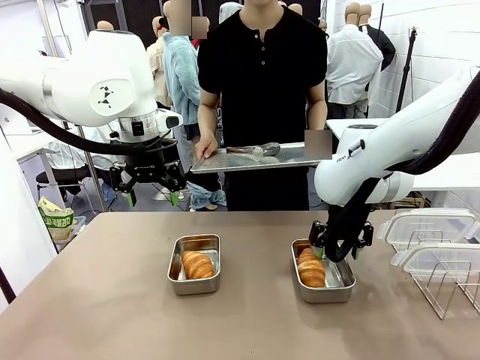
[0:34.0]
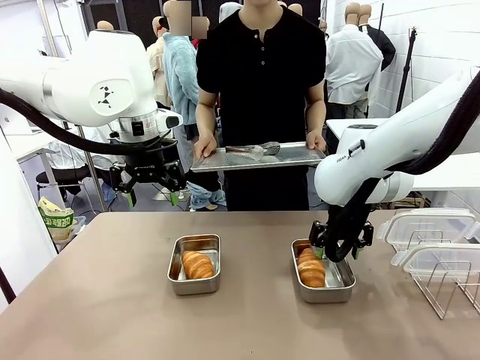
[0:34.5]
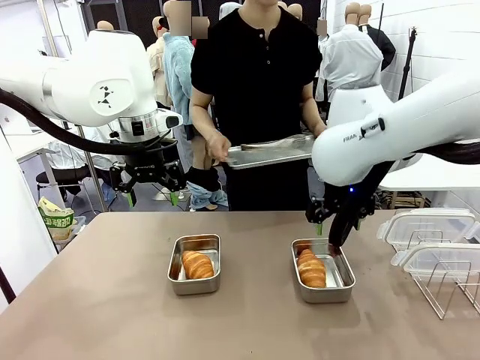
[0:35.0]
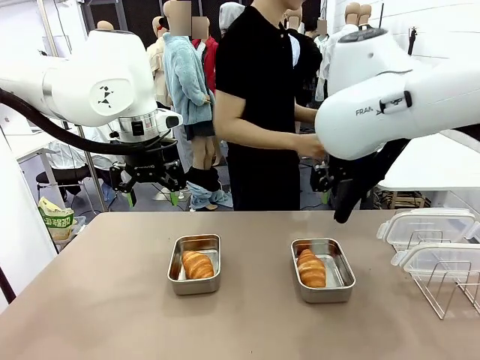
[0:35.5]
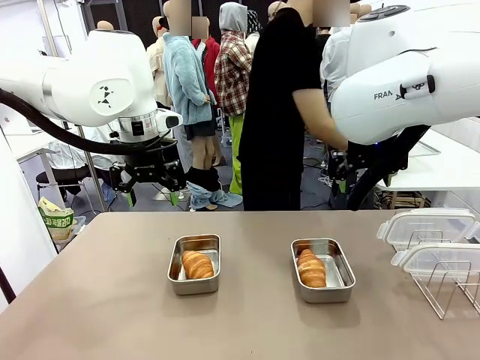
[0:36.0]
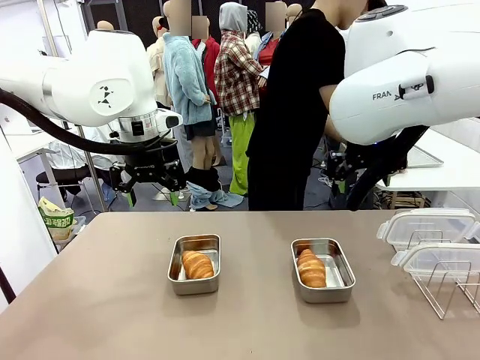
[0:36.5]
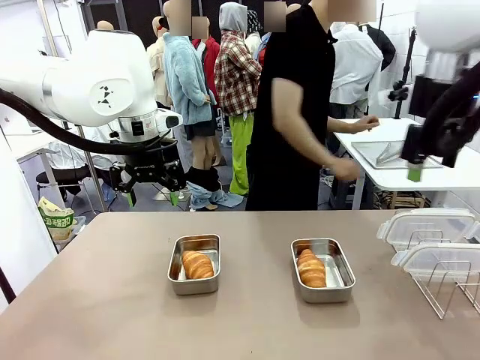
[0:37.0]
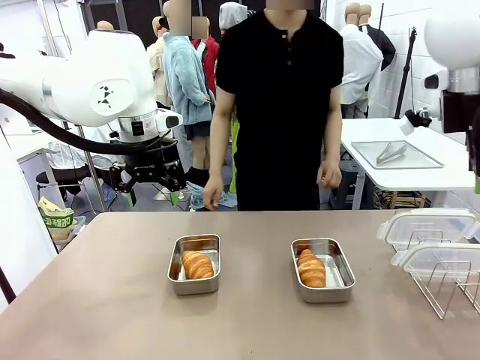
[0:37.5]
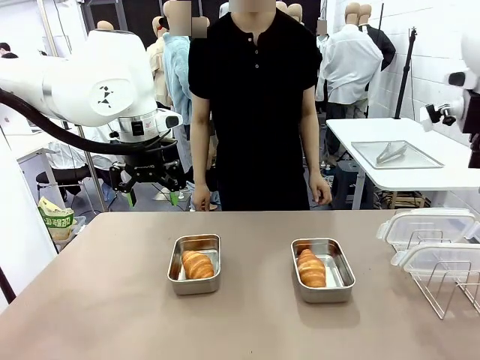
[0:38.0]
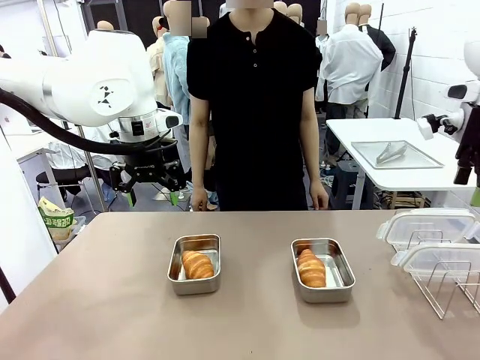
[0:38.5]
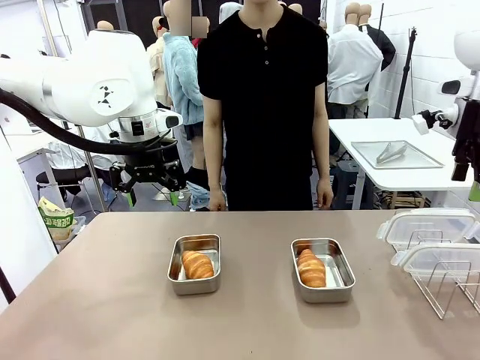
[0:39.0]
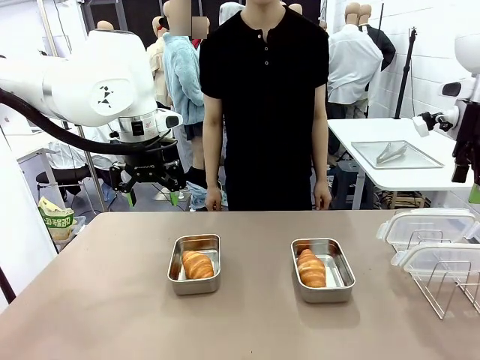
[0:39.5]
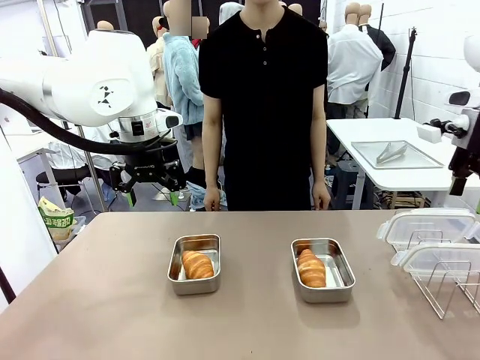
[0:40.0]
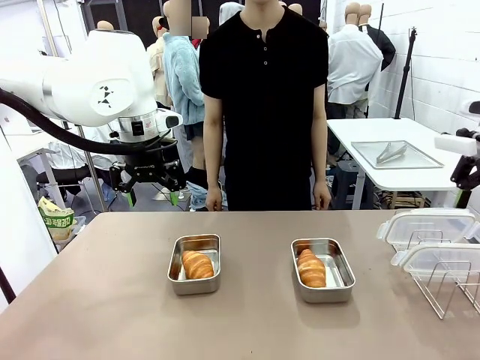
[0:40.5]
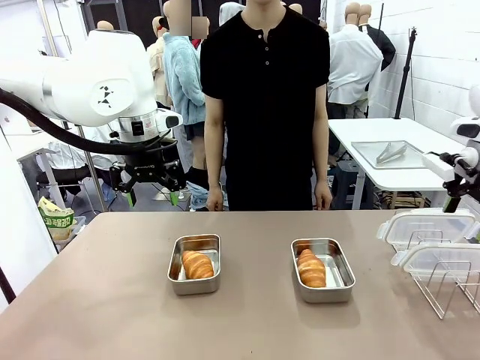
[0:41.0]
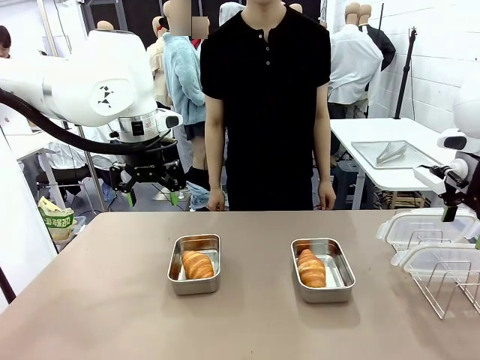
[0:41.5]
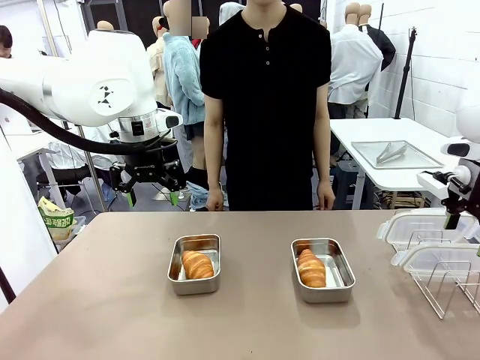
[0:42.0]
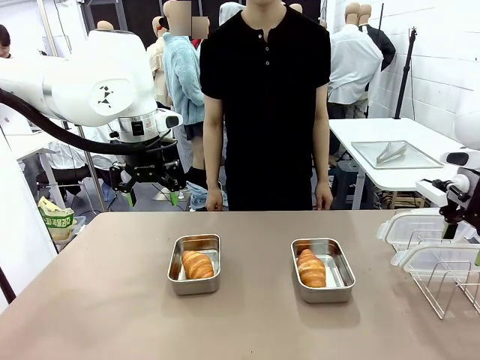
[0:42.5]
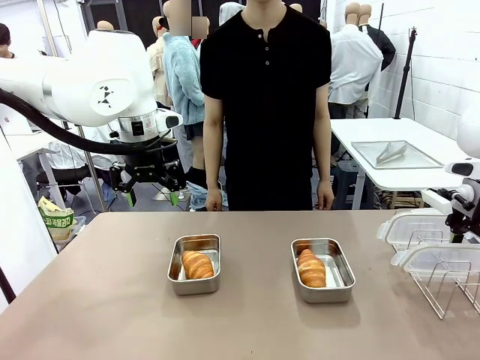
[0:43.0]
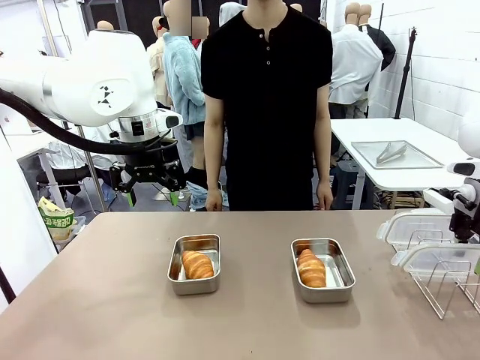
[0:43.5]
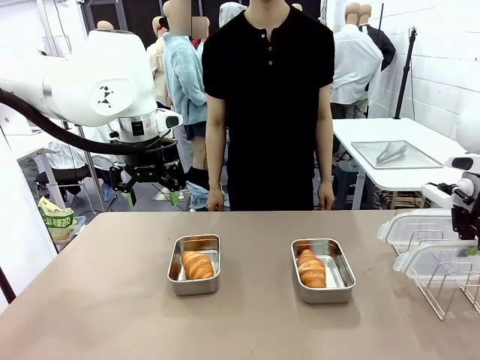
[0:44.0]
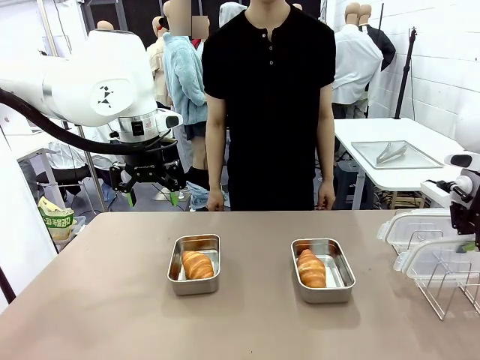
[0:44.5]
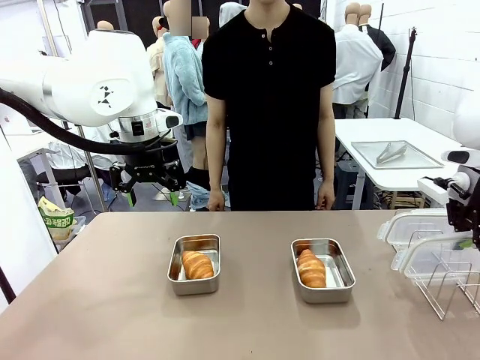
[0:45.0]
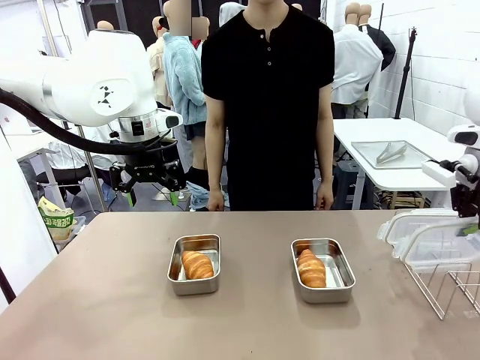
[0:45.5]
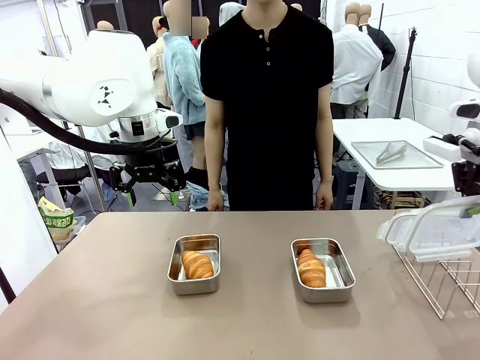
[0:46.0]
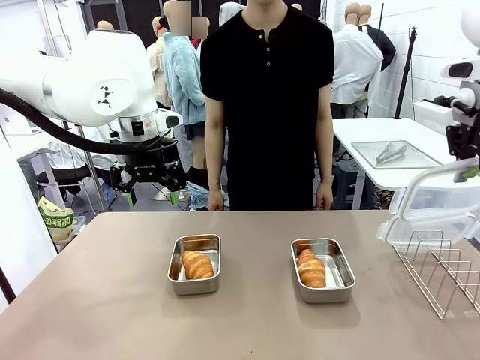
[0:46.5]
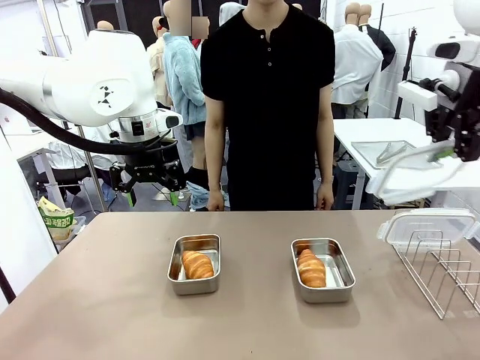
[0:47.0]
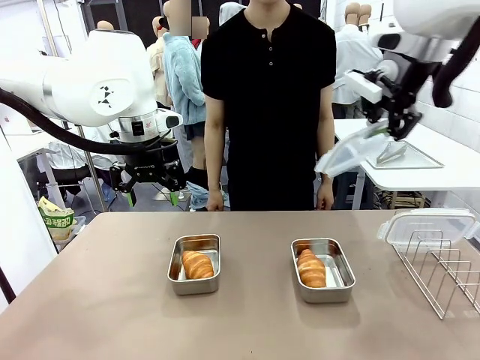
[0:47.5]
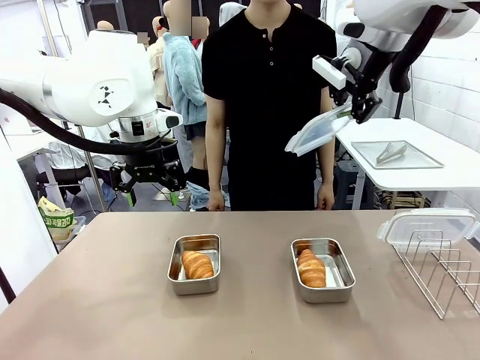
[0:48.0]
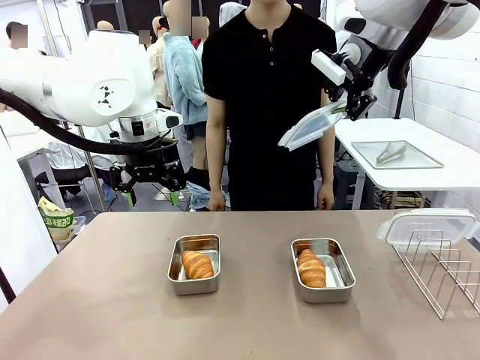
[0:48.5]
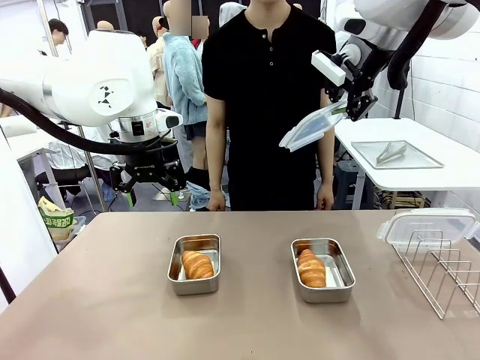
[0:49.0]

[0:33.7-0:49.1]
Task: Place the bread in airtight containers.
Robot: Pick up one Airtight Container lid and hand it to the human.
Person: Grip Airtight Container lid that robot is handing.

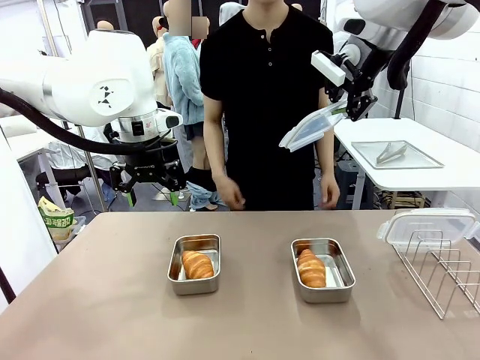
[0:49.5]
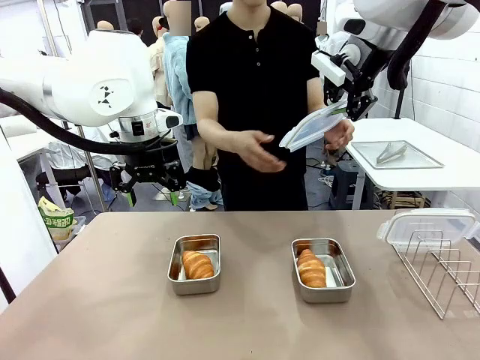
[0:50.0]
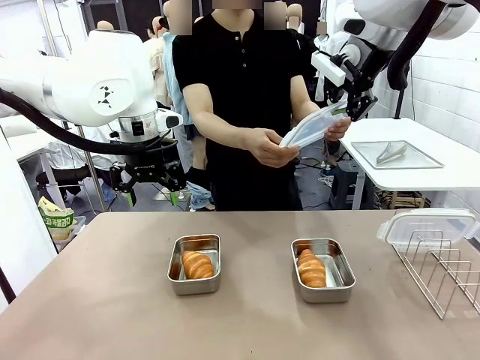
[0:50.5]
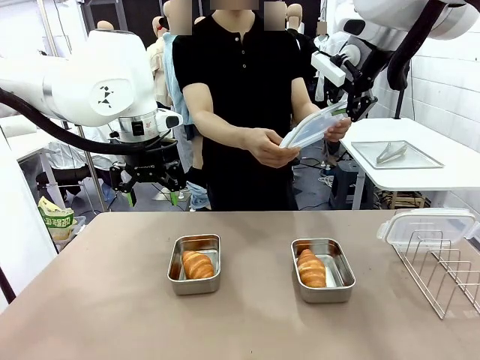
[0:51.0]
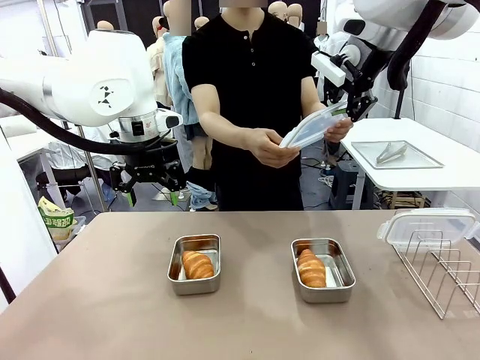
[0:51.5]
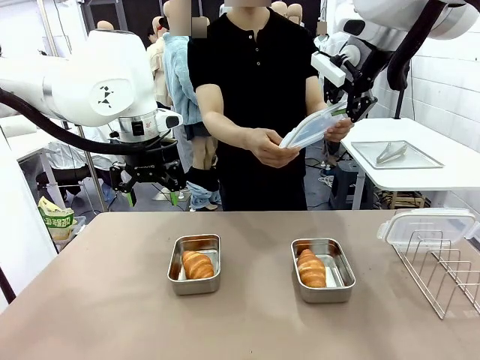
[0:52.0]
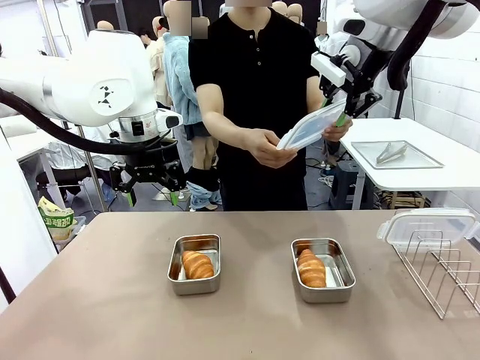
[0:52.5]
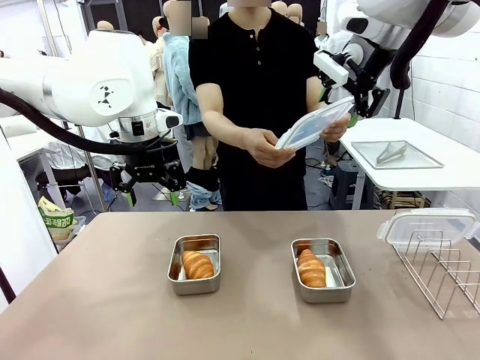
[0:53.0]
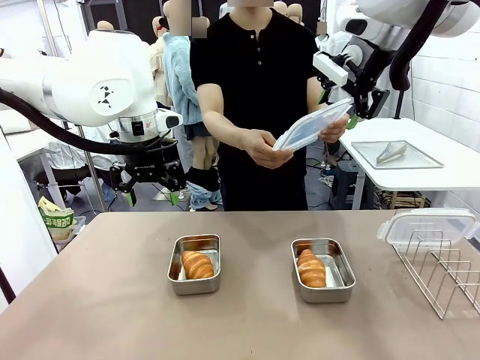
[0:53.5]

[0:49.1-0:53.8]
Robot: Release when the human grabs the Airtight Container lid.
